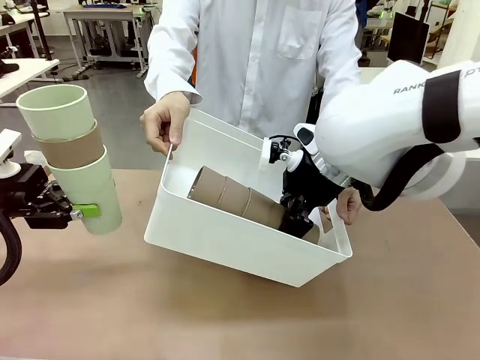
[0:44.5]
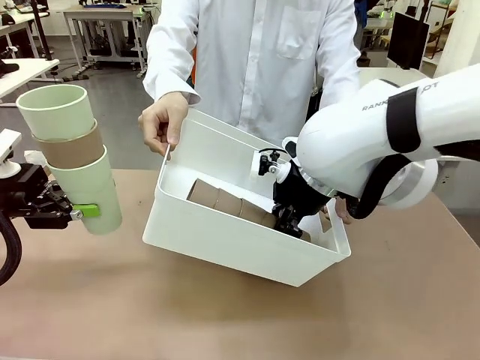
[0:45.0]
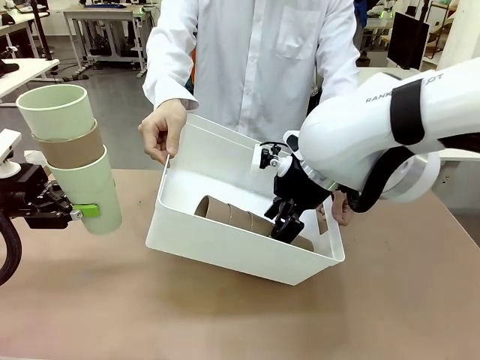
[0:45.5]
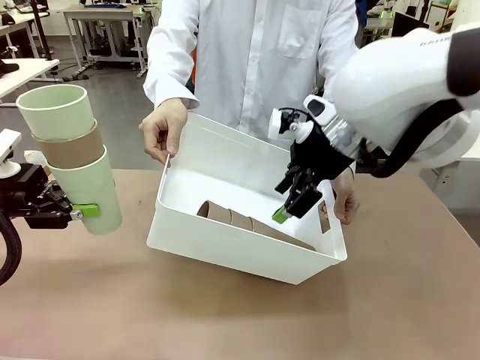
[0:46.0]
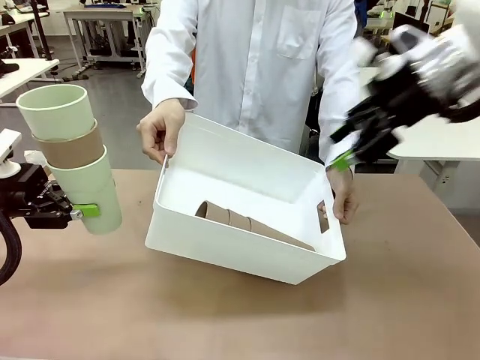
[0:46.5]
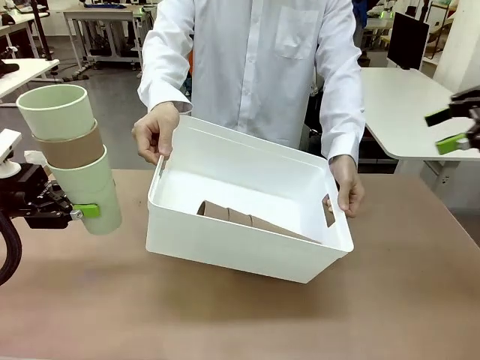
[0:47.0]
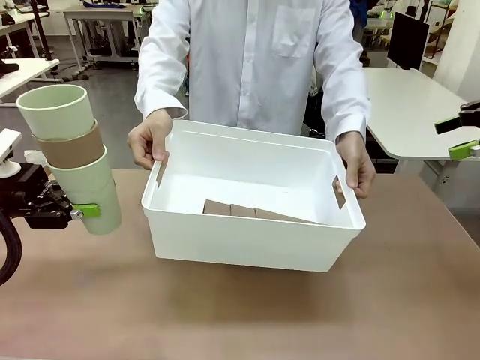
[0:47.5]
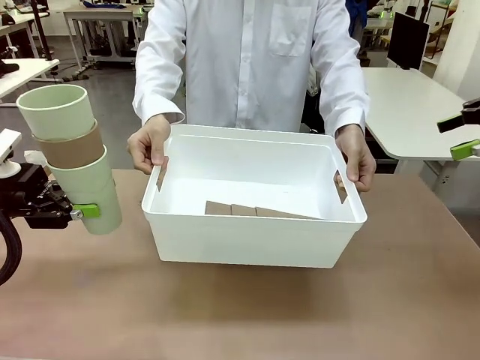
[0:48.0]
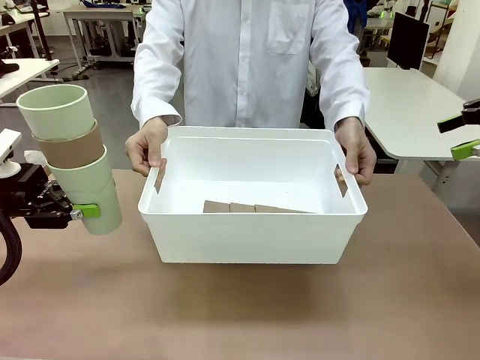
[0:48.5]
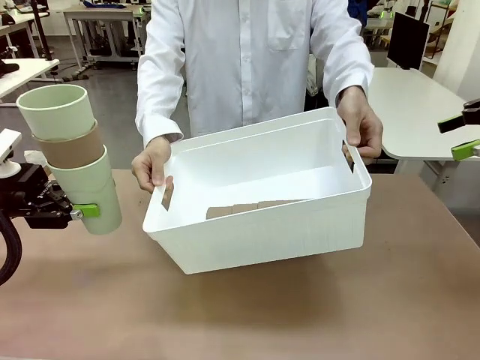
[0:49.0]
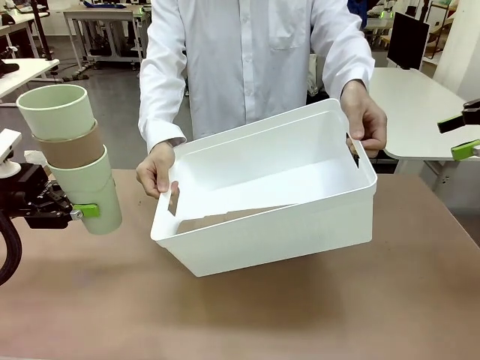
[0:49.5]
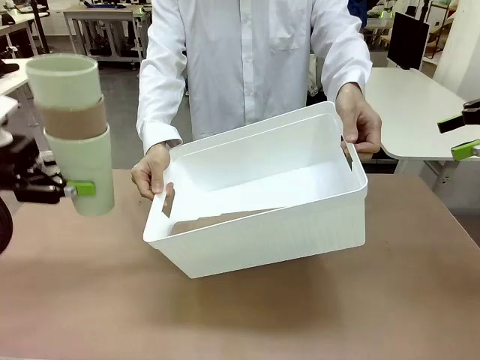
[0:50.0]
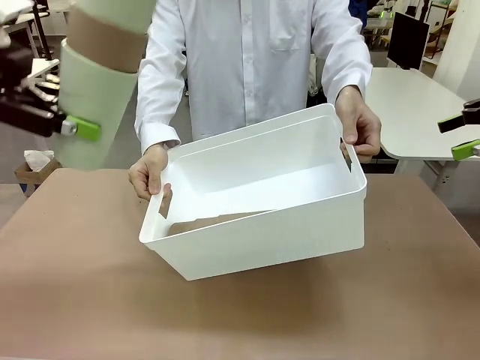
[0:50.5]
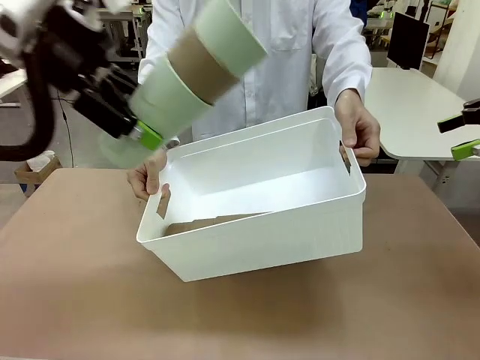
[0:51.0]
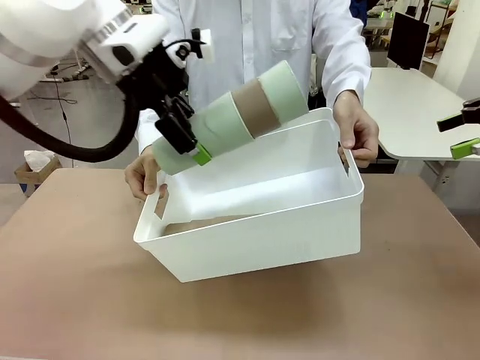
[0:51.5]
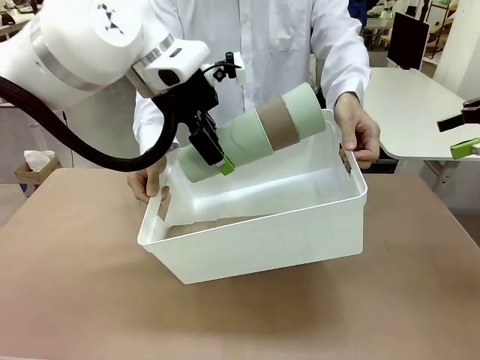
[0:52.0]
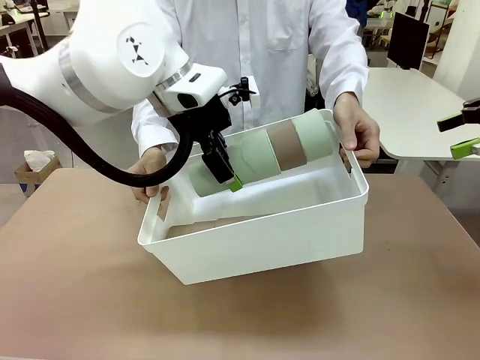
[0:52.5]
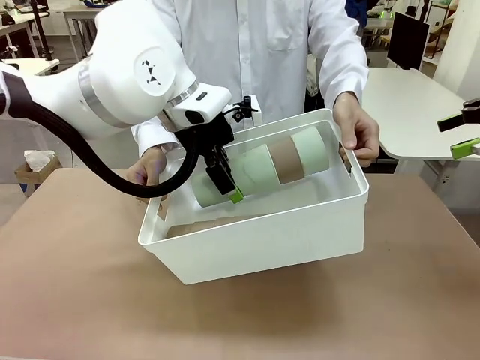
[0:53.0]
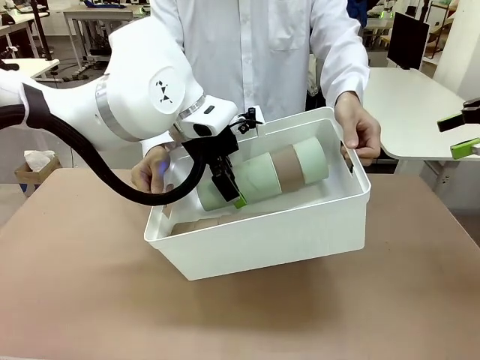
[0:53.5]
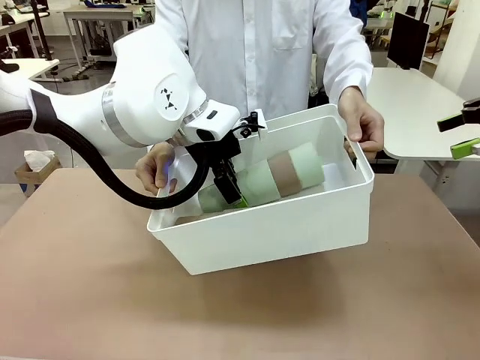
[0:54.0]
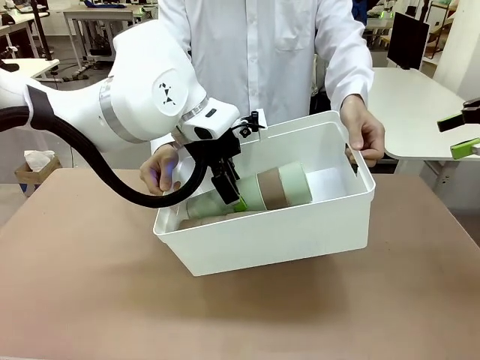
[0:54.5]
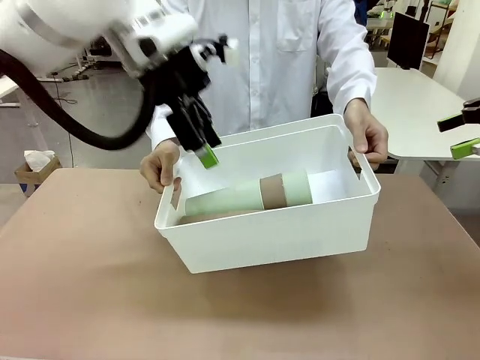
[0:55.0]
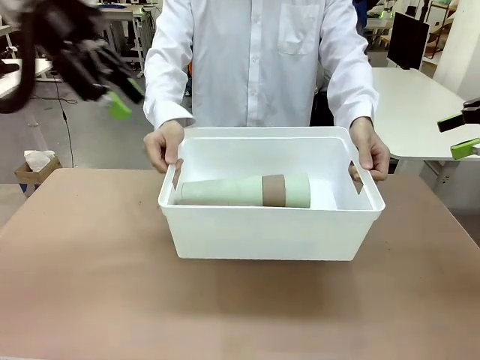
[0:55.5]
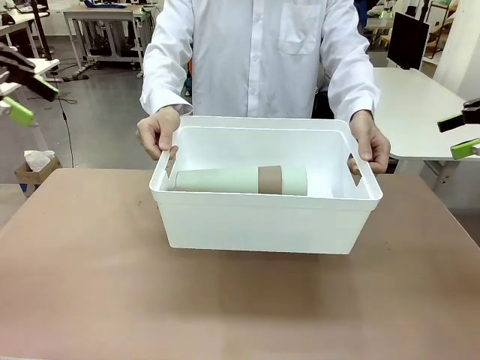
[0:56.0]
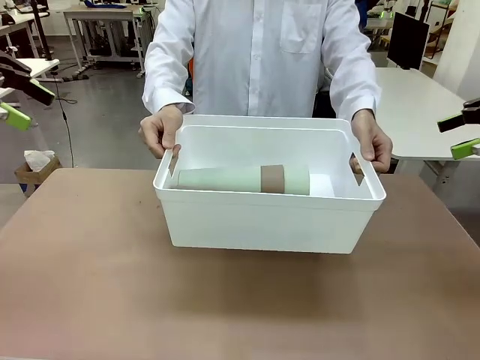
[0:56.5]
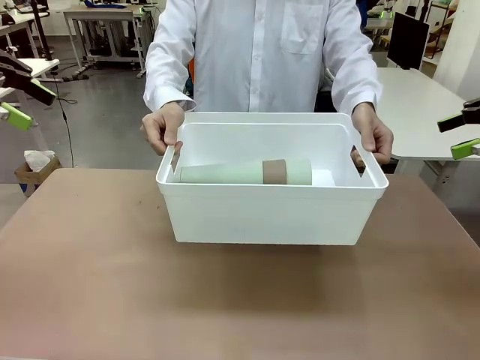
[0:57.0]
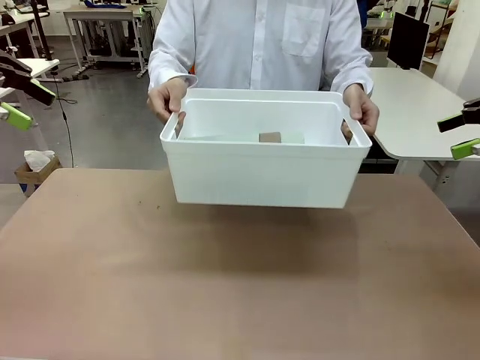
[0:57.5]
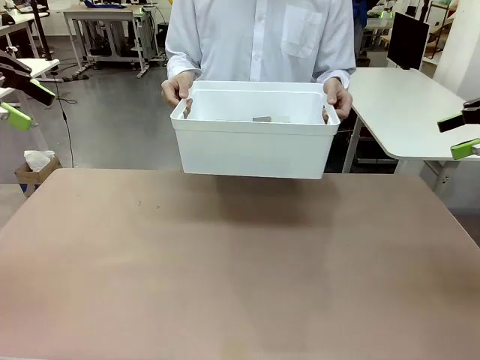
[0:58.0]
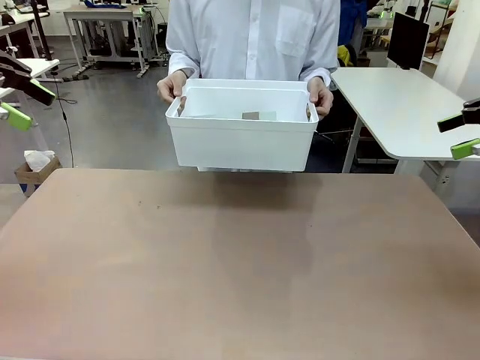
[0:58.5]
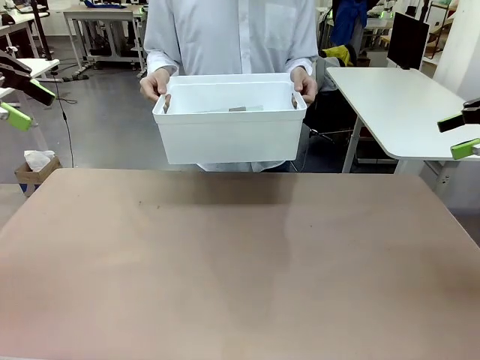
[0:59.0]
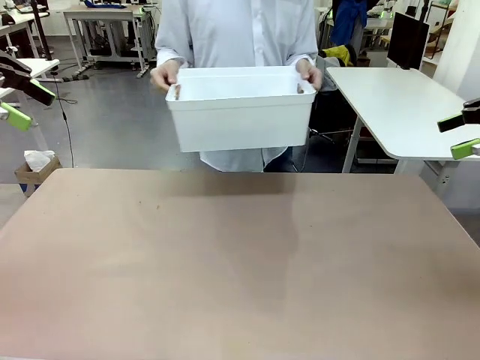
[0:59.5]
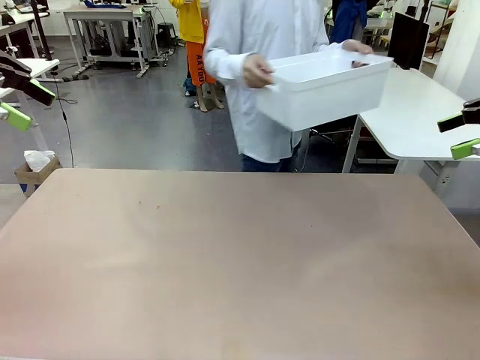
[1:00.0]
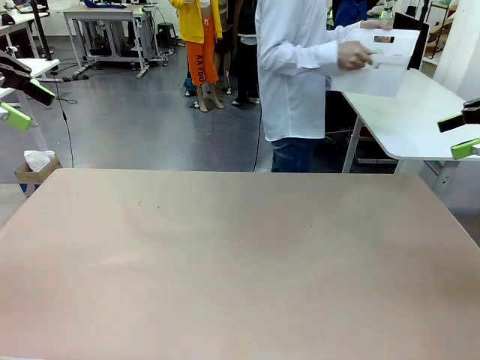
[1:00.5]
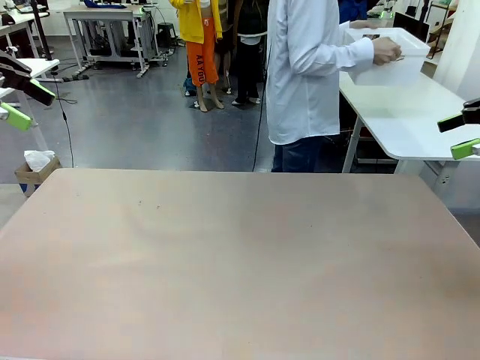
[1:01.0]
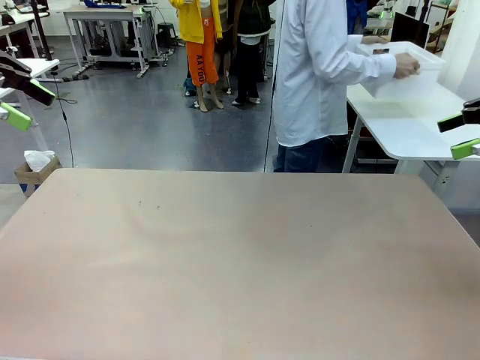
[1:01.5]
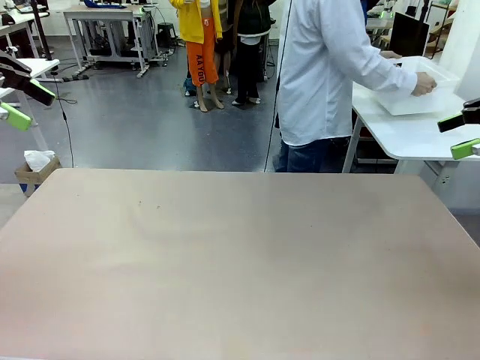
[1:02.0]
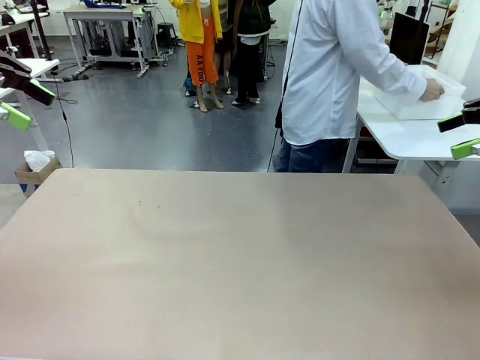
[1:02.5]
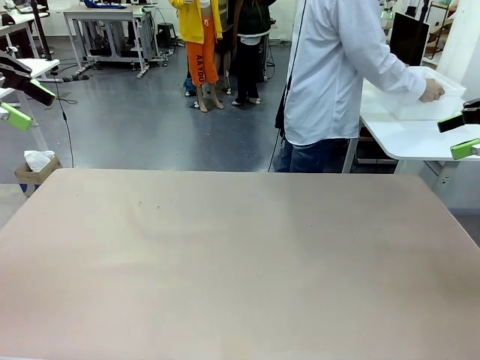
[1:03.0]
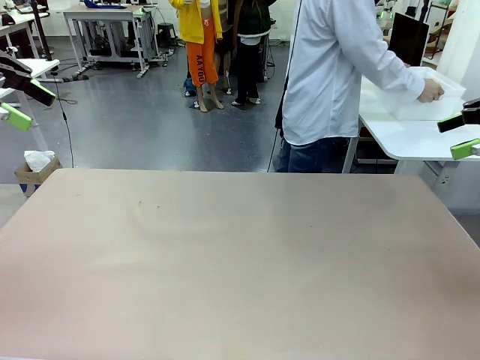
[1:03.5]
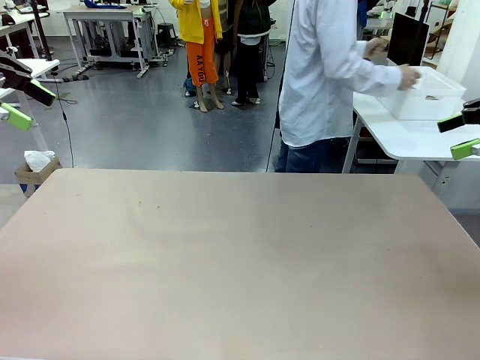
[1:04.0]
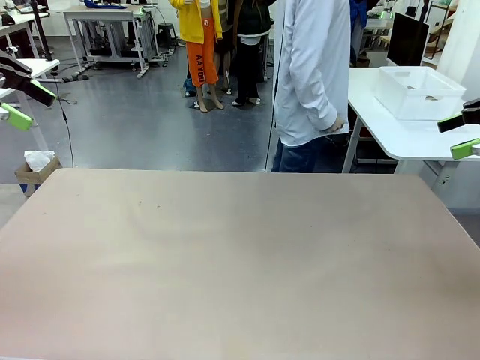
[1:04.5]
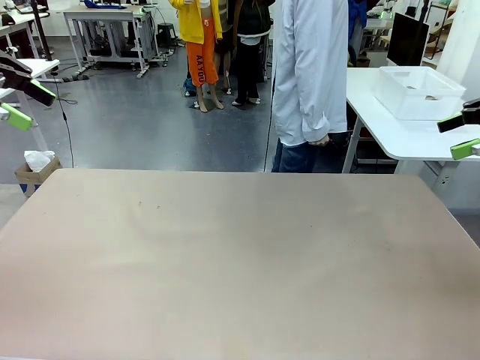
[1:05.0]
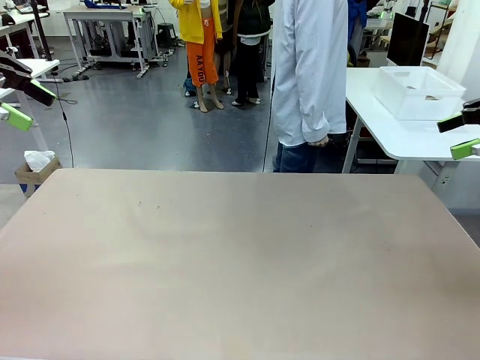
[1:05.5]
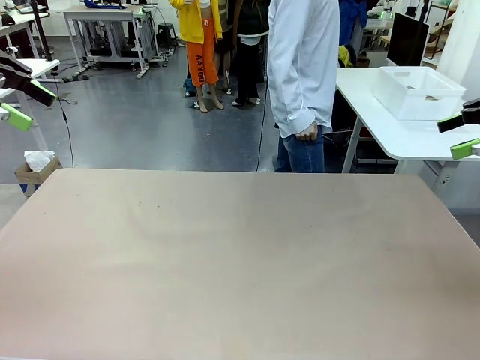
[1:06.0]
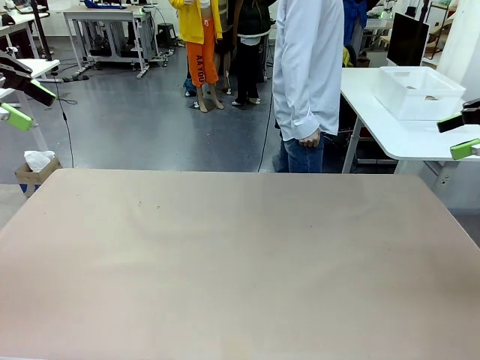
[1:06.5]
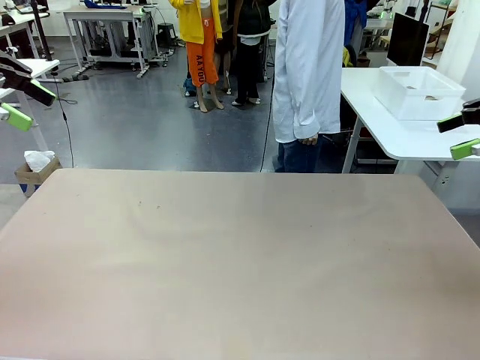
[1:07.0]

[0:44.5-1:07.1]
Task: Stack the cups and store them in the basket.
Robot: Place the stack of Reusable plastic cups into the Pantry Basket.
Person: Place the basket containing the cups in the middle of the Human Table.
